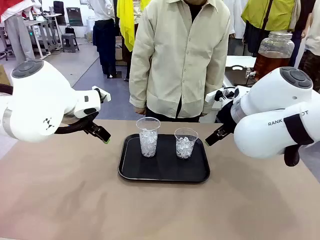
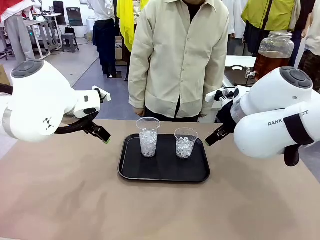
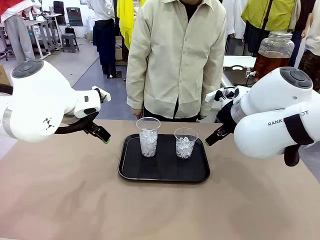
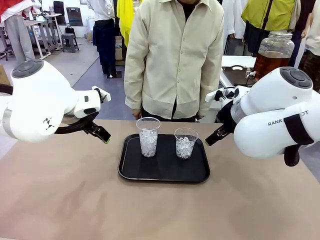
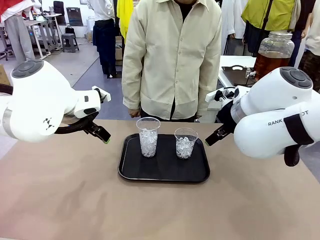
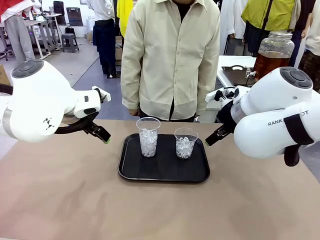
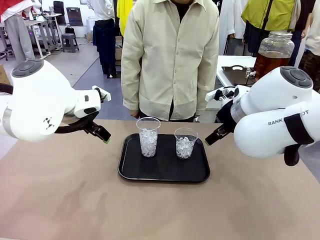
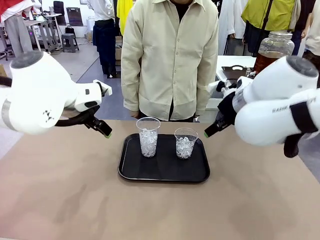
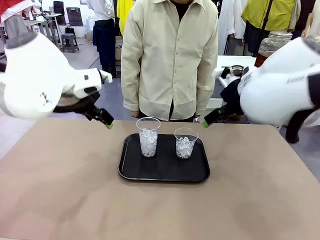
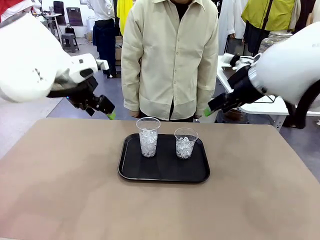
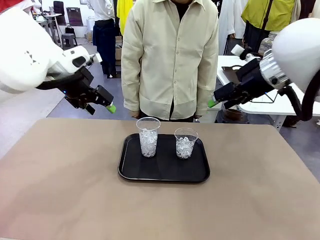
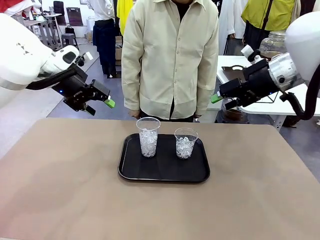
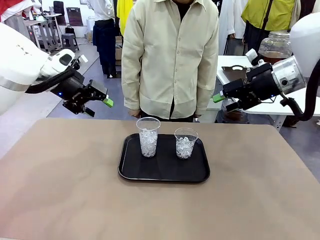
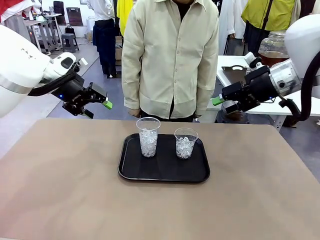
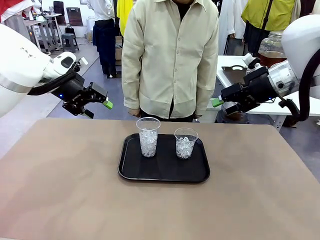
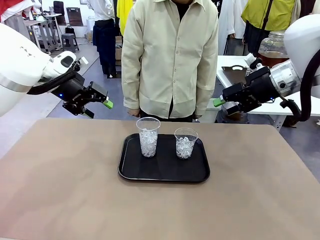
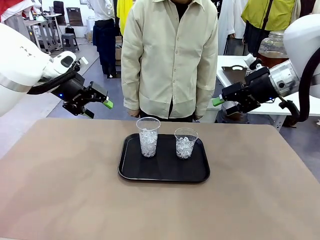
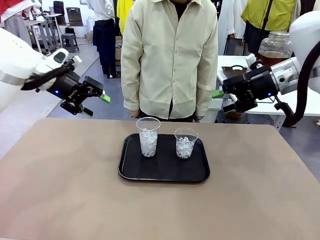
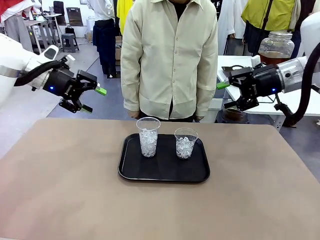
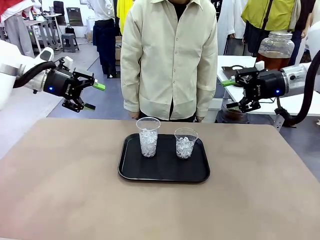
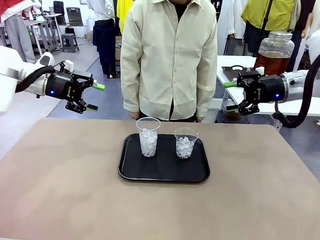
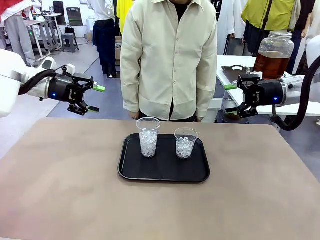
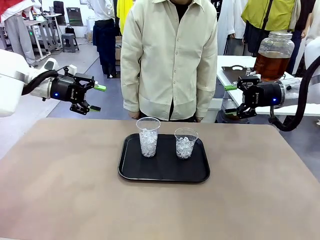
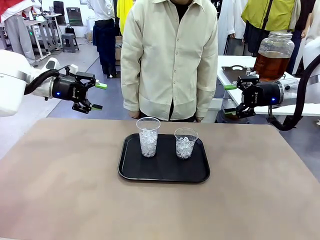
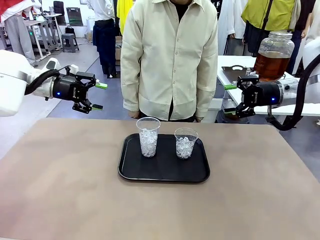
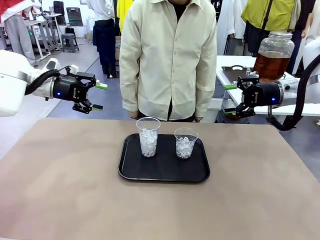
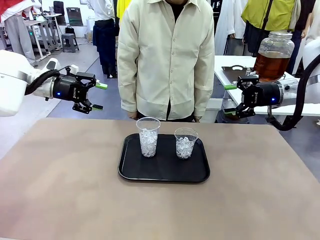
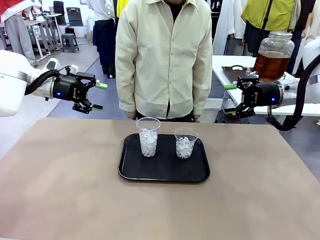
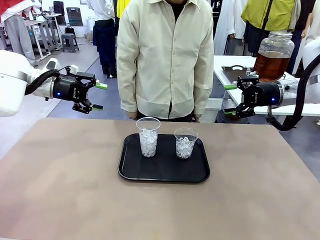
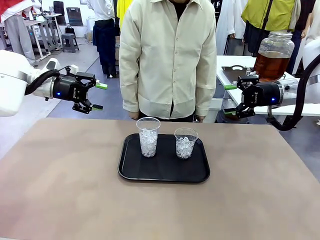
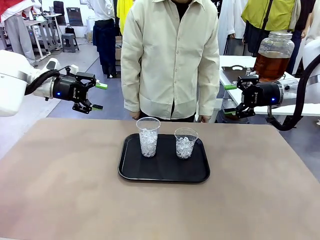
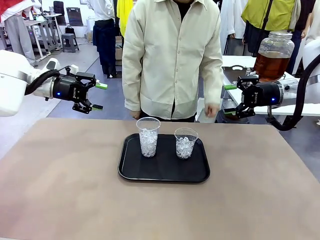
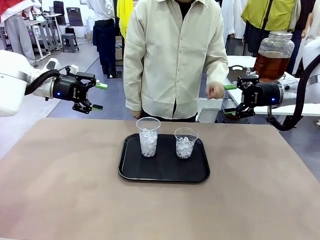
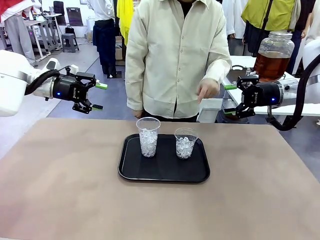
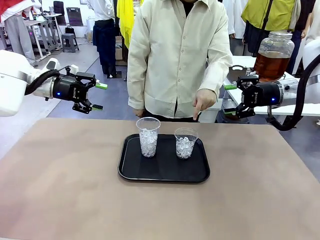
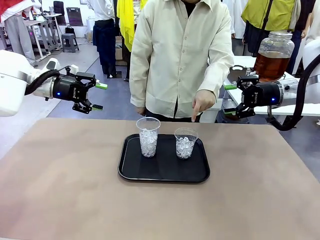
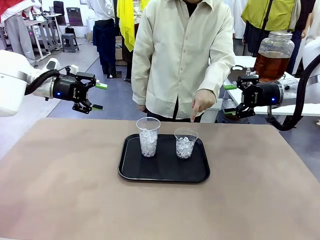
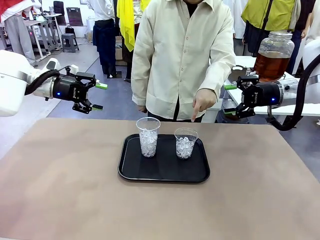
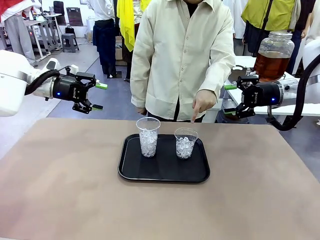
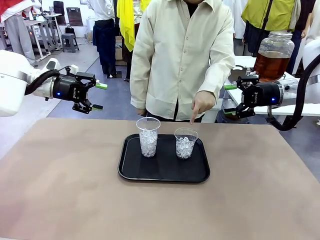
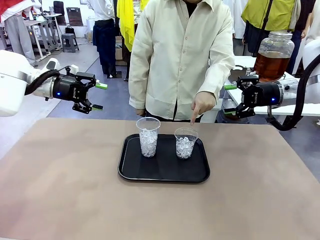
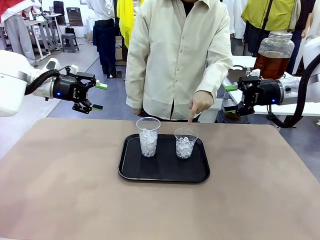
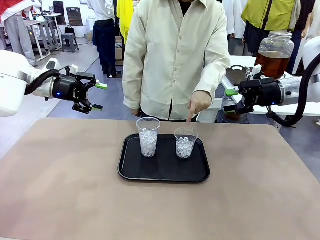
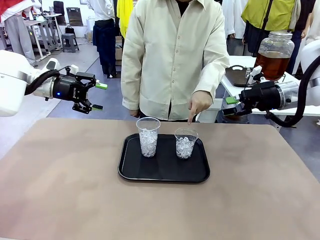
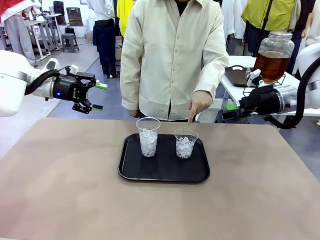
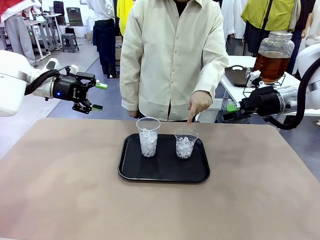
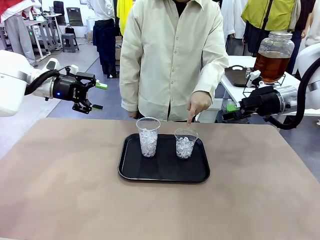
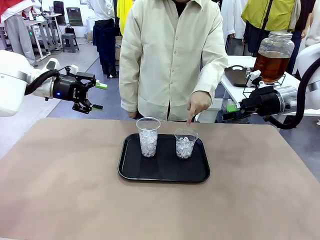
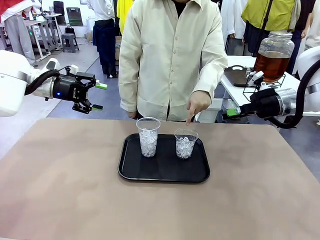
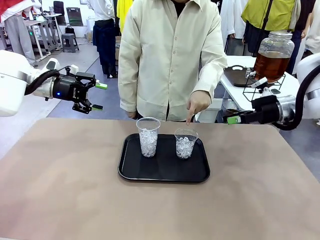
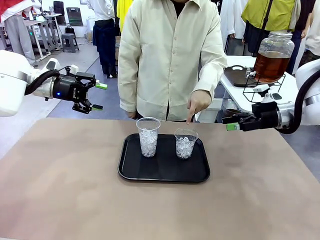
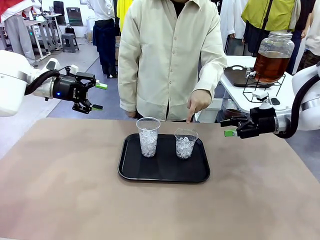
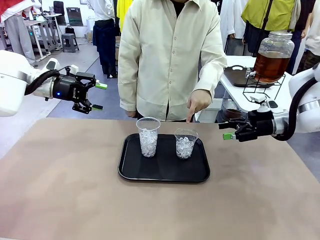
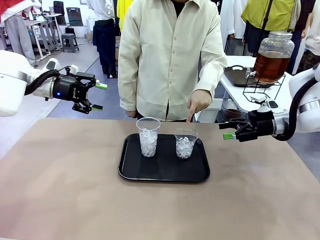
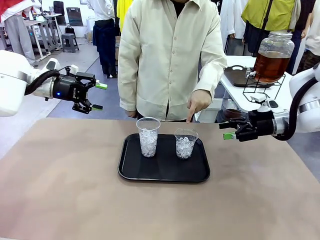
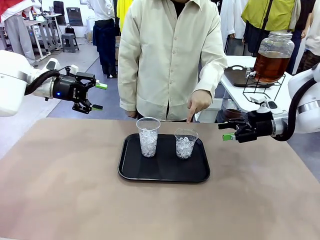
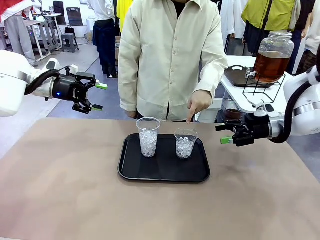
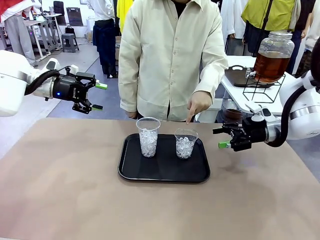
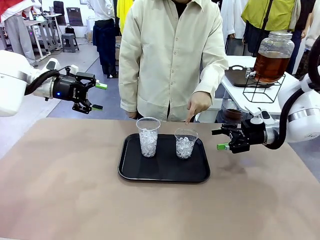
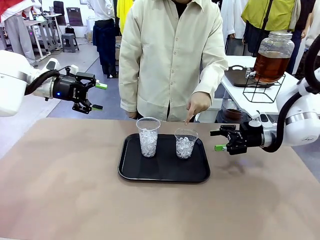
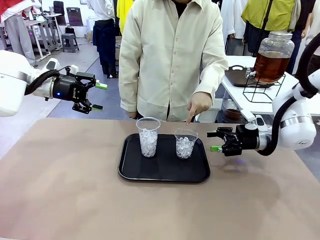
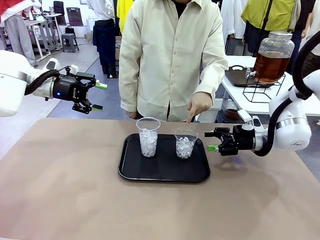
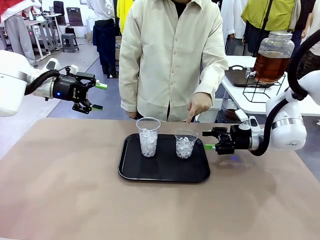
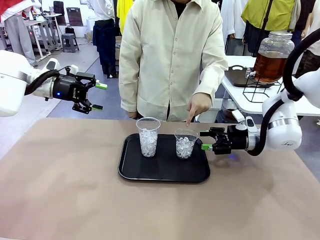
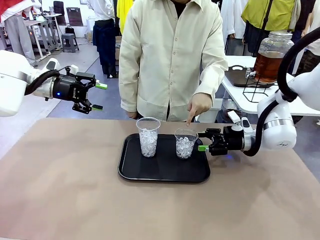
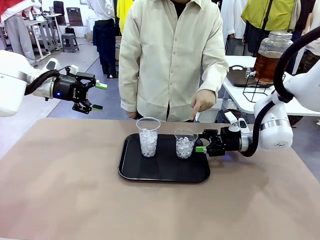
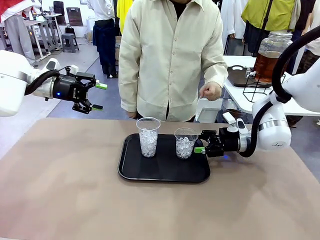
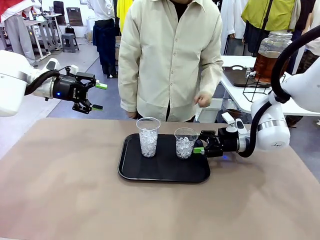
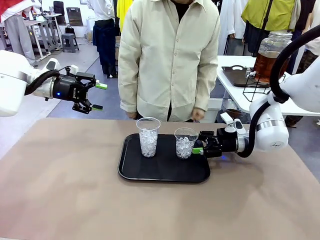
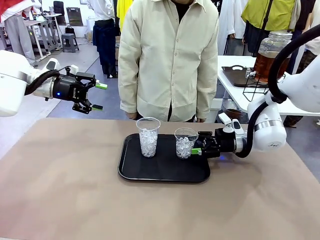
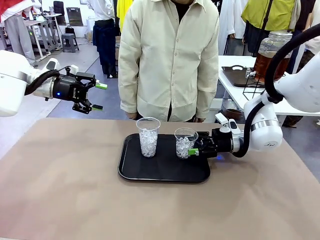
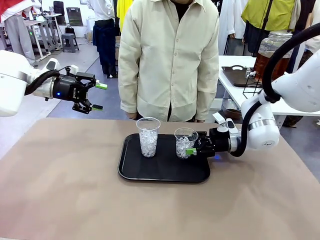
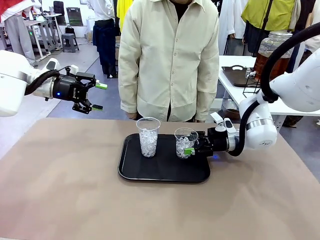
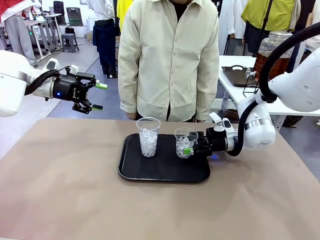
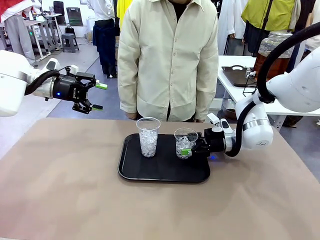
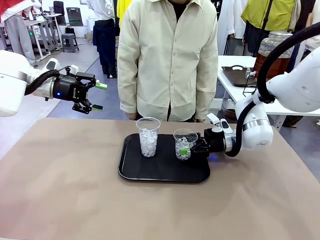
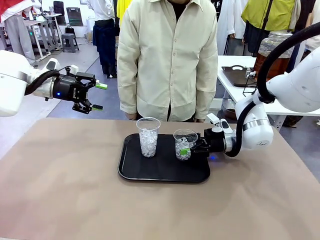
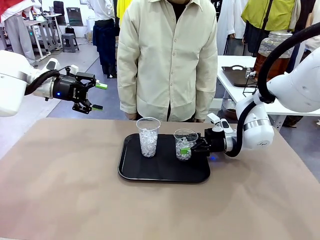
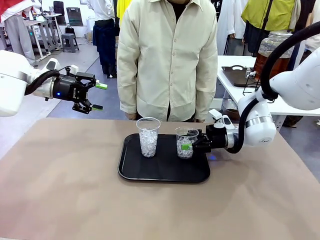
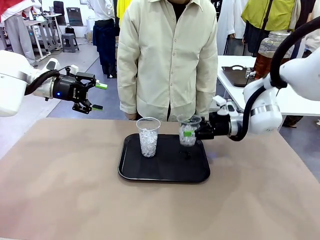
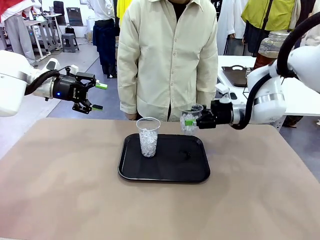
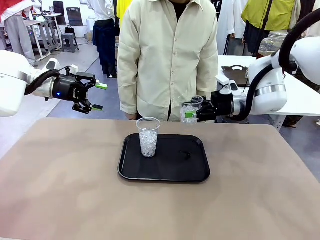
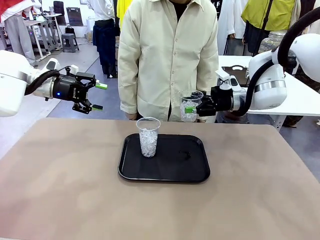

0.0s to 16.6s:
Task: Pour the drink into the iced cup.
Robot: Pick up the iced cup indicated by the human and present it to them.
Person: Point to one of the two ice cups. Pick up the cup offered by the robot.

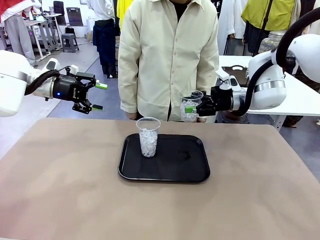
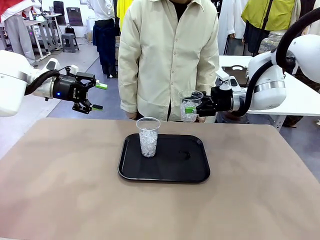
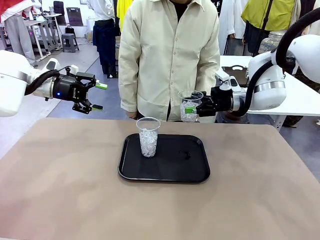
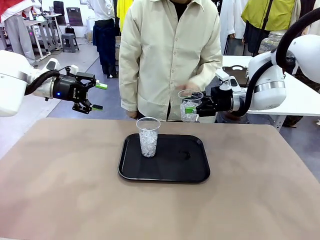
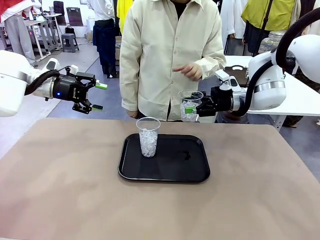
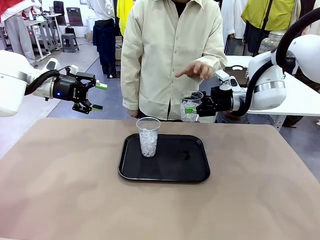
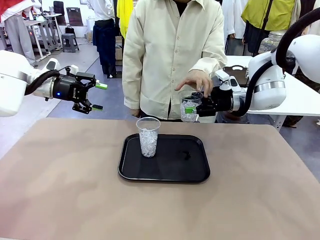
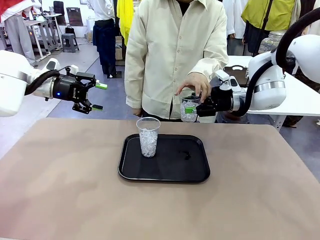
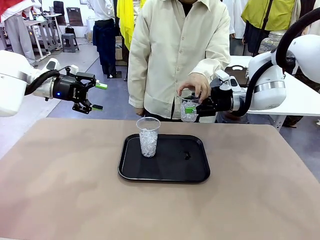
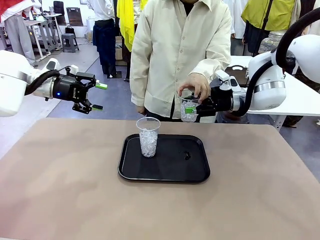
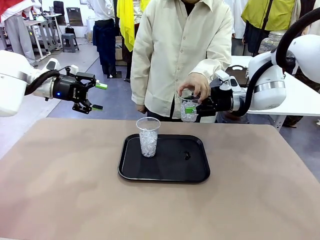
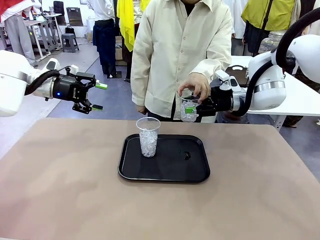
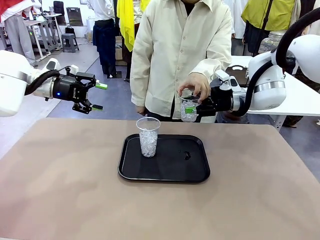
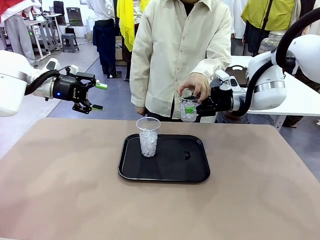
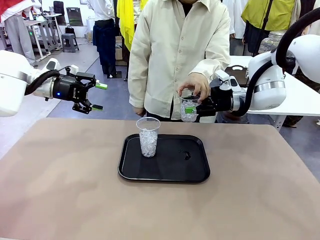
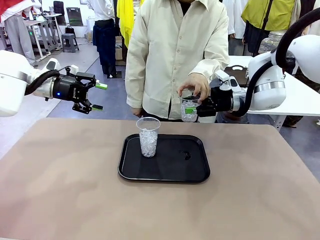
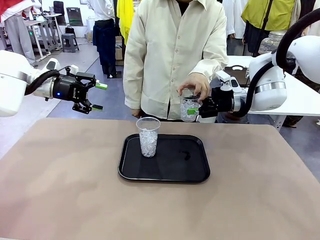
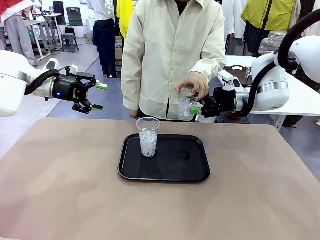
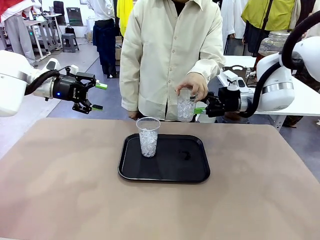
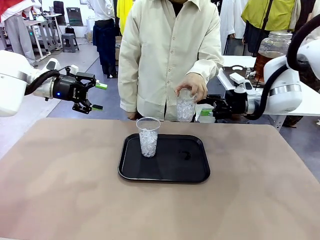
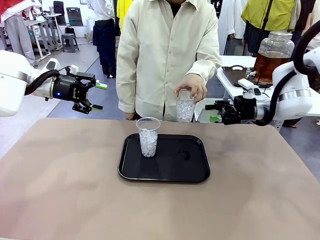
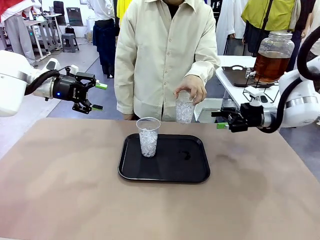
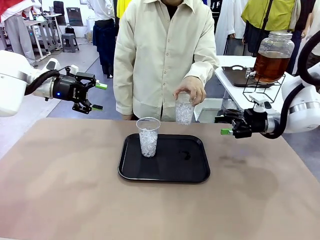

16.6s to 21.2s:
Robot: Open the gripper to release the iced cup you were holding.
